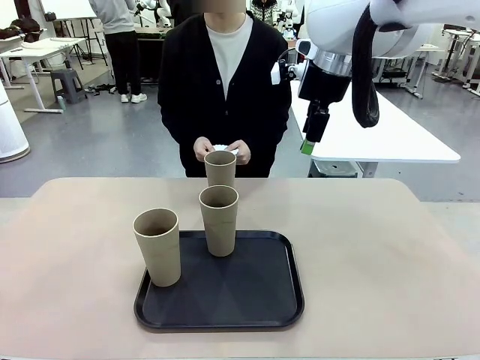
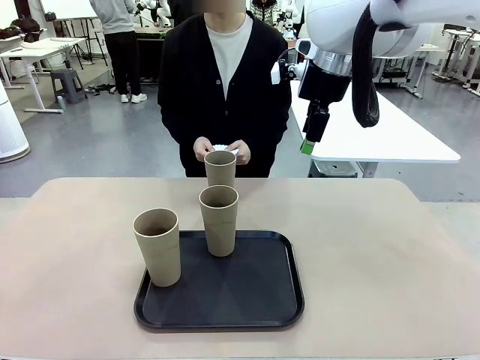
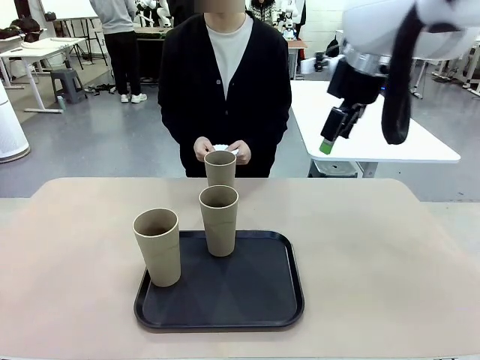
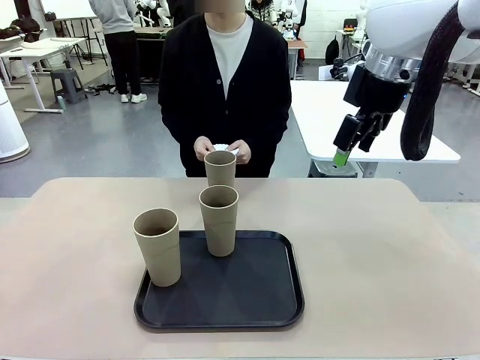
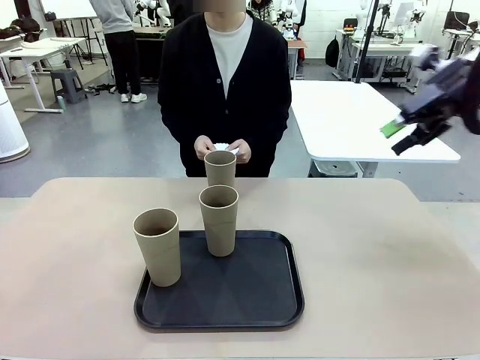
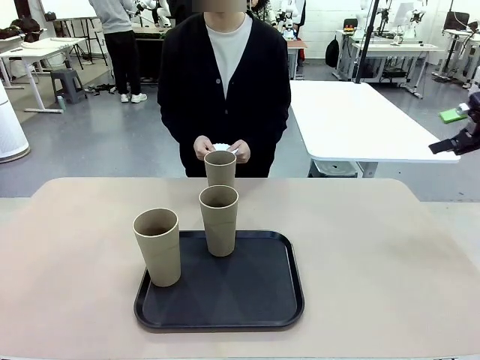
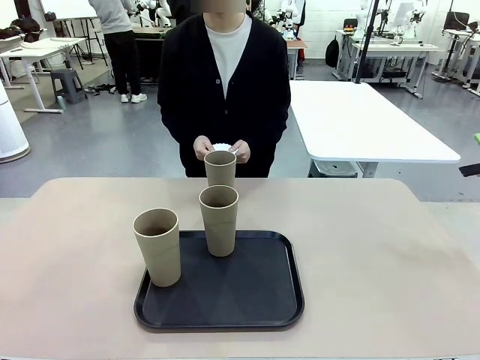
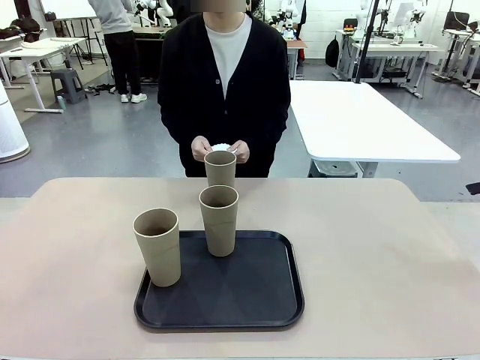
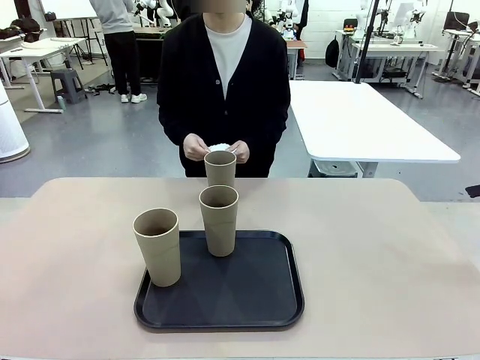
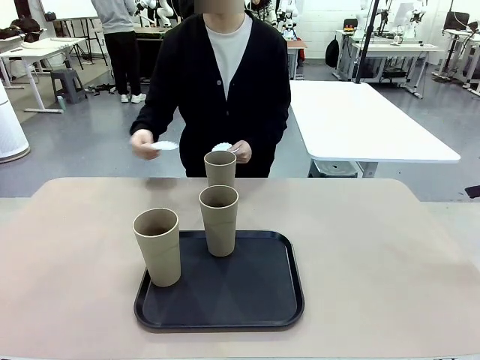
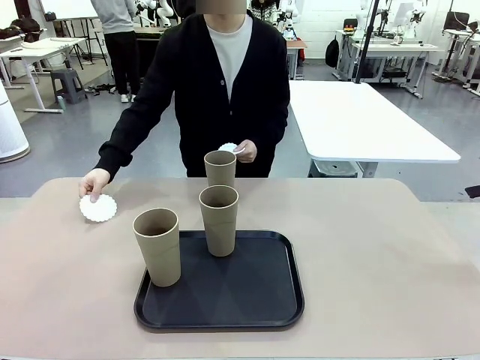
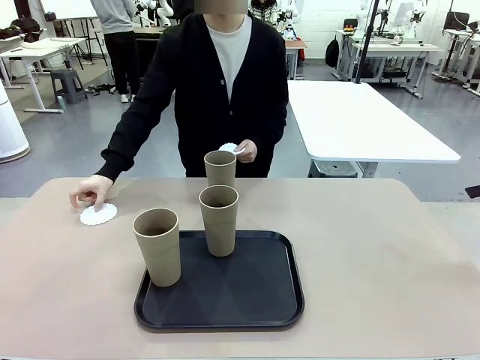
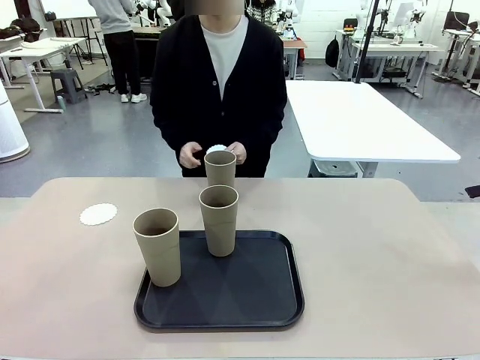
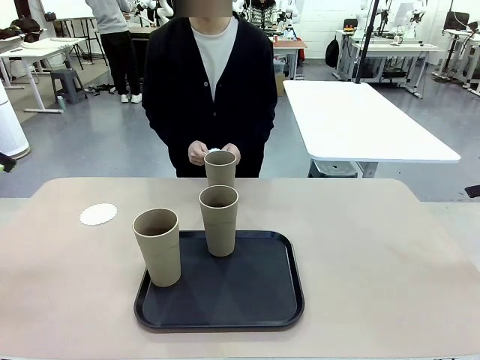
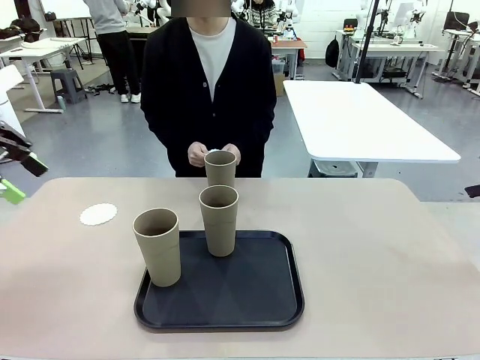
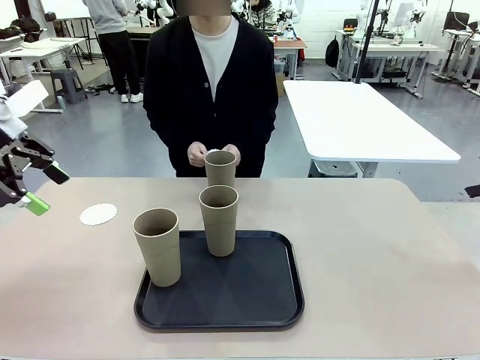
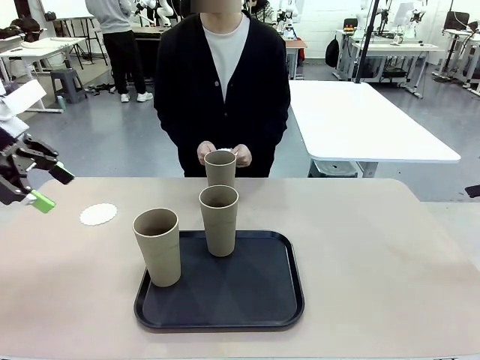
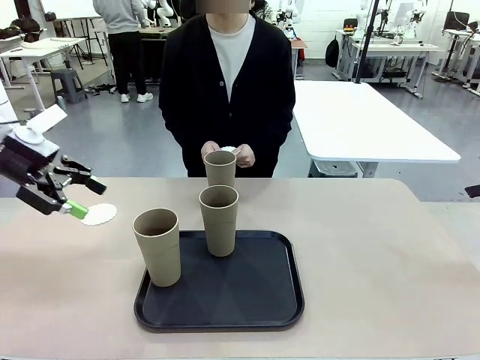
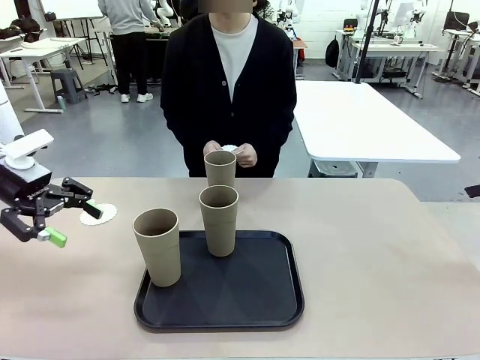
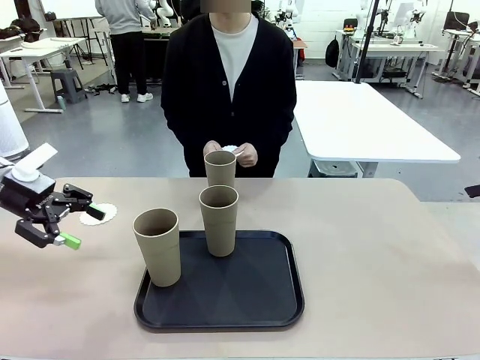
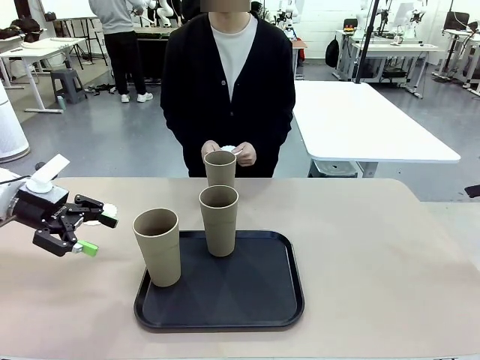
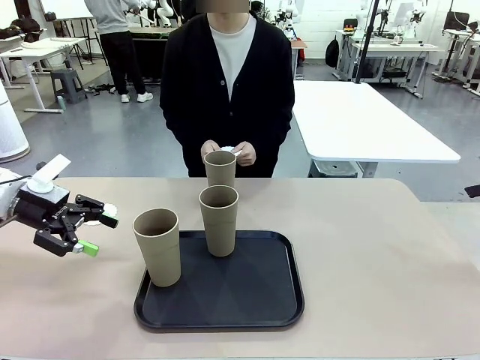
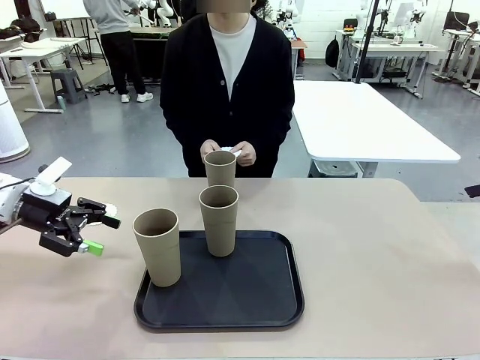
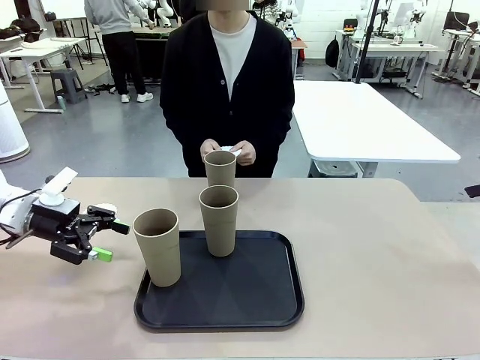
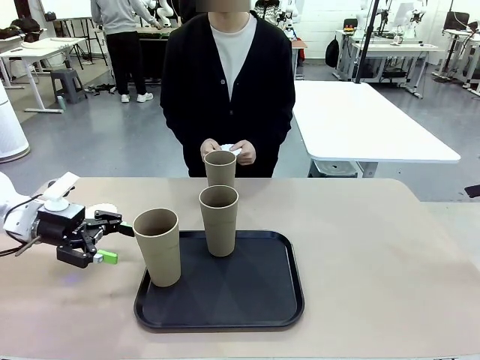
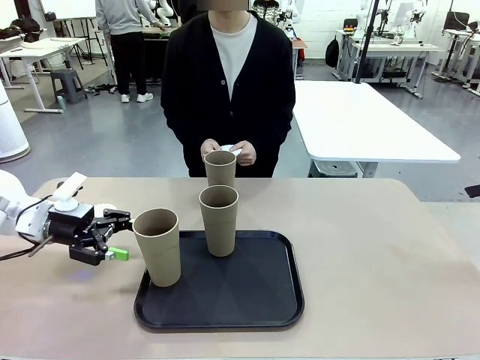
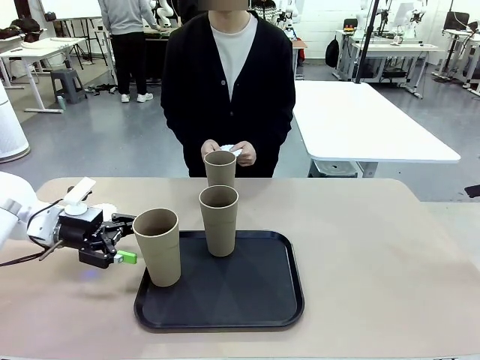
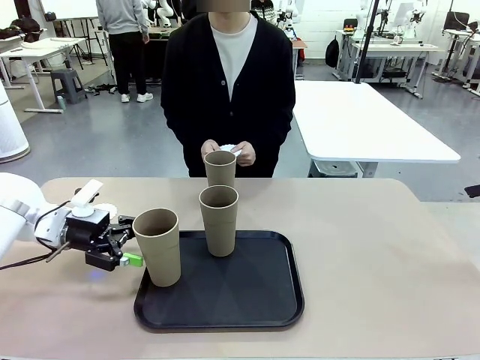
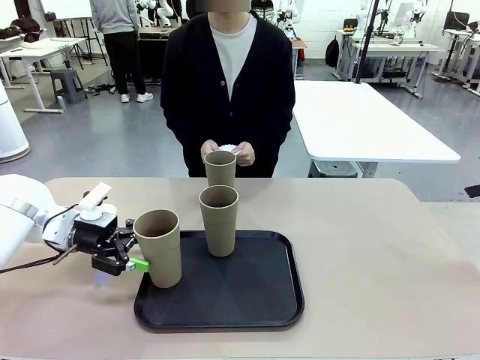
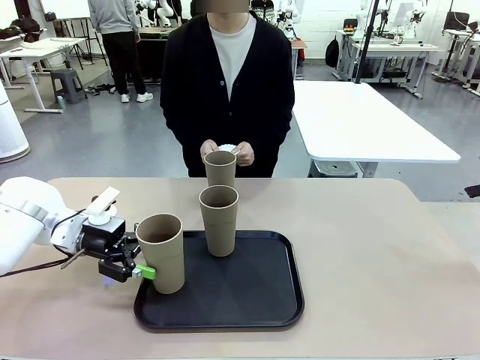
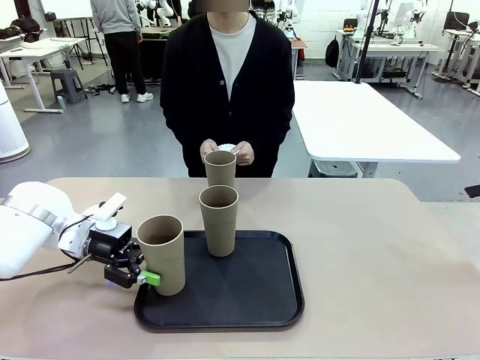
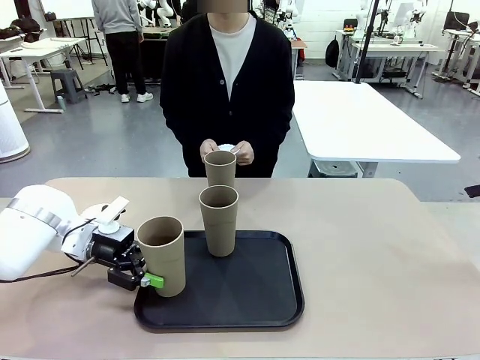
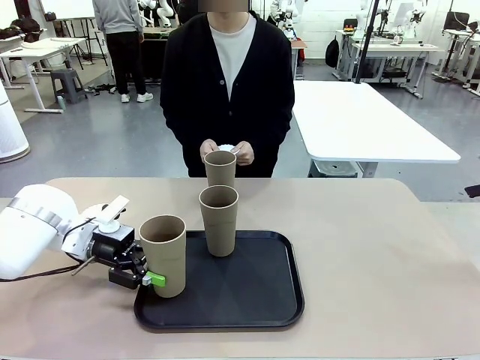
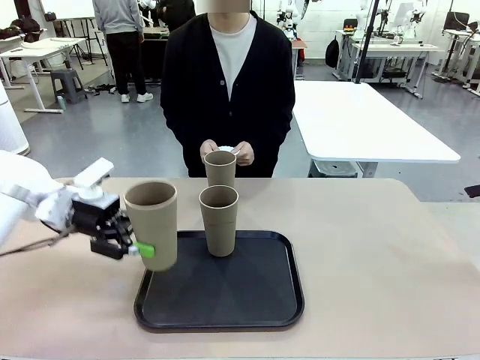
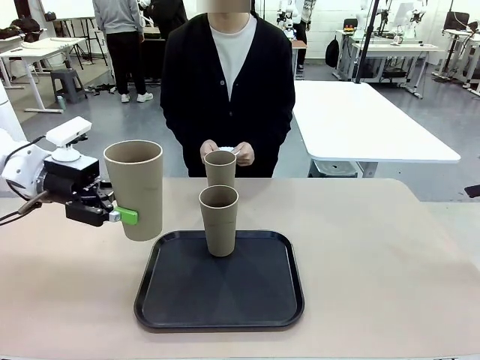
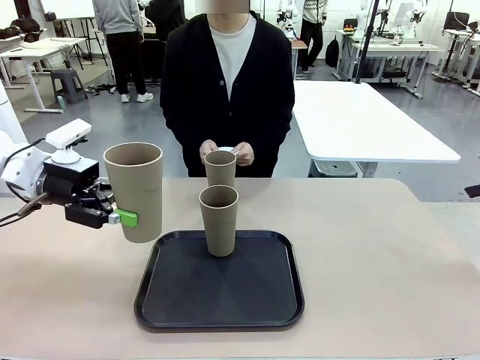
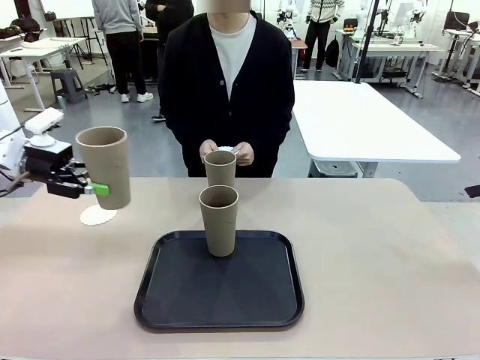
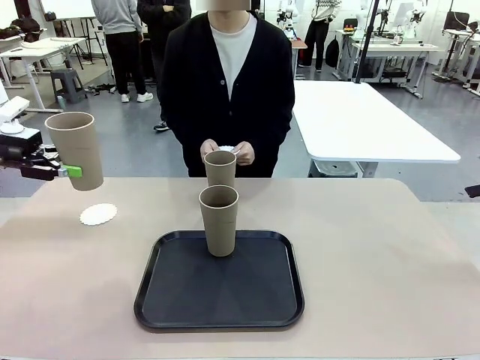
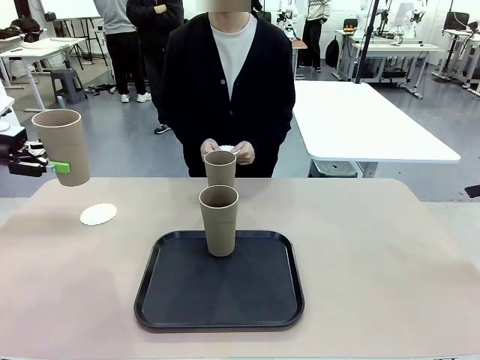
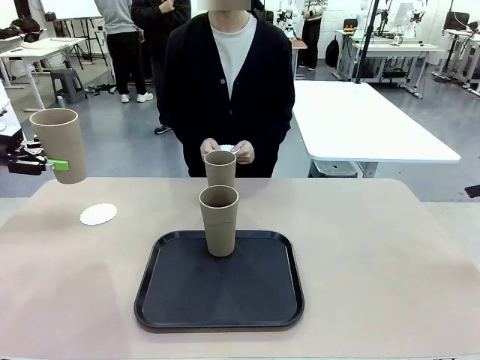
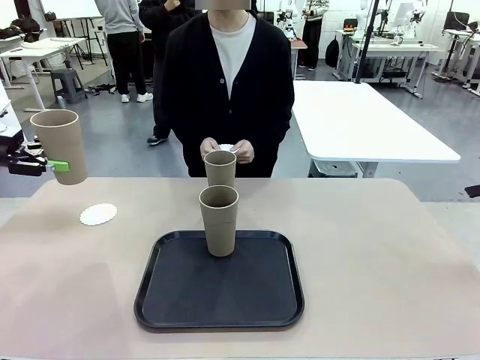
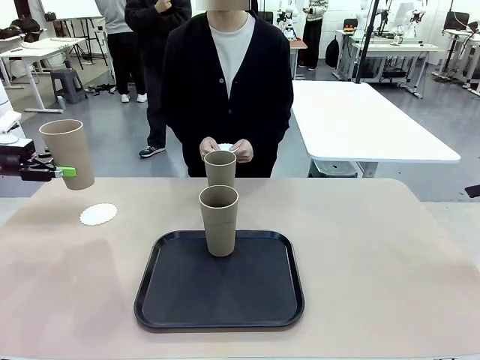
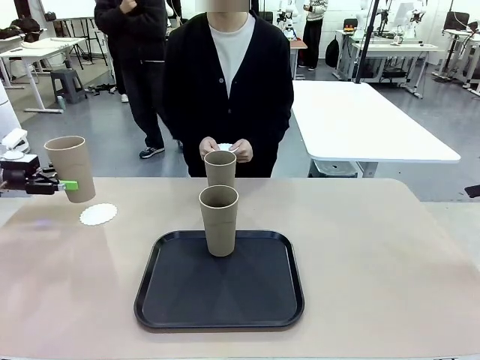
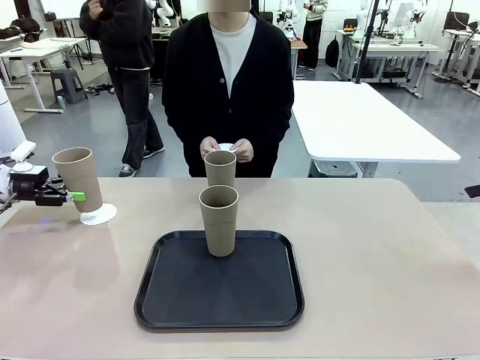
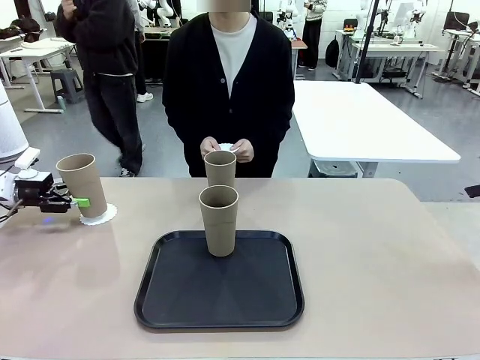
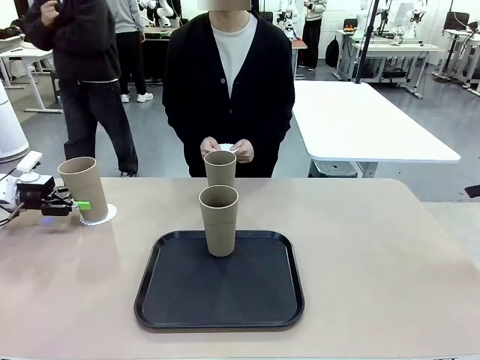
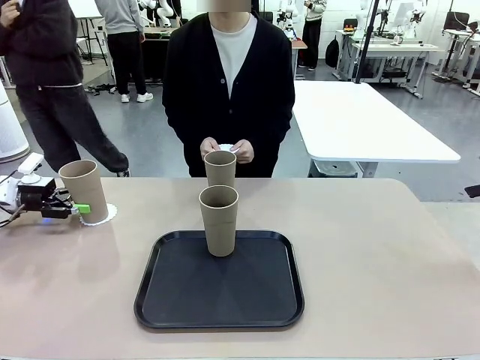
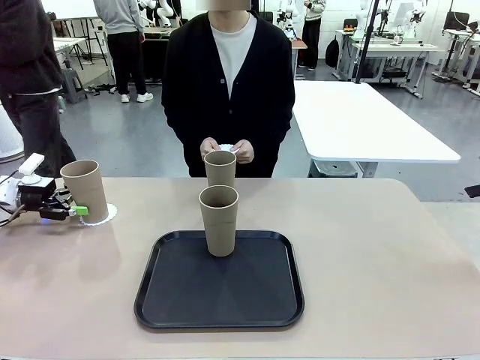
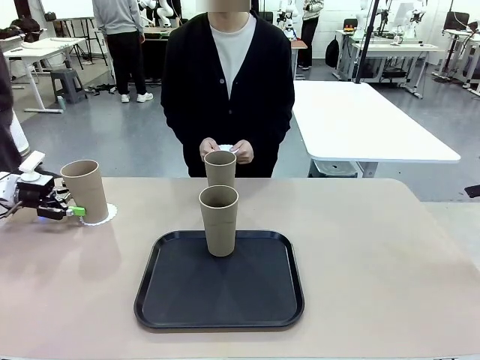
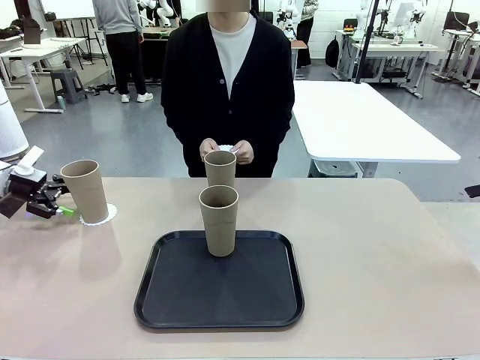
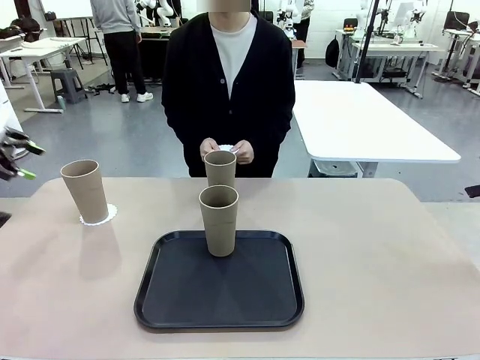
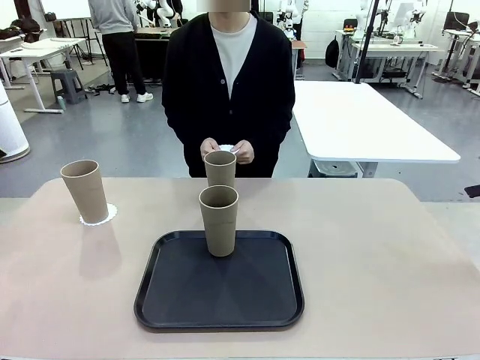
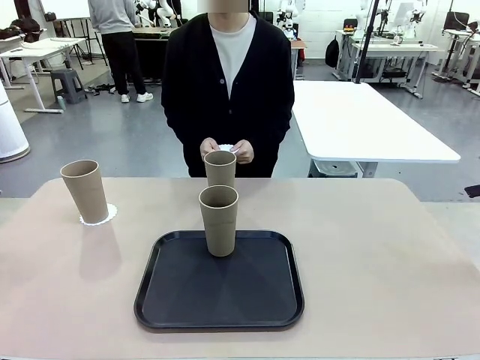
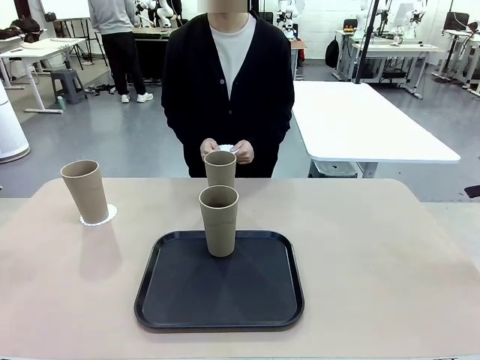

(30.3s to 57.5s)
Task: Place coasters on the table and set cups on them.
Robot: Take one Reusable plastic cup from the Flat Tray and place it on a coaster set by the human.
